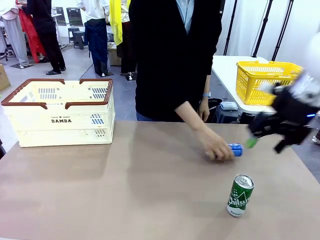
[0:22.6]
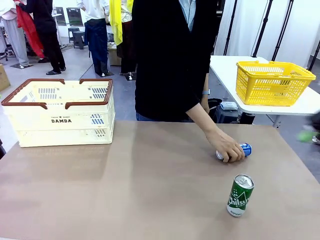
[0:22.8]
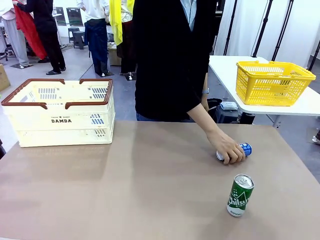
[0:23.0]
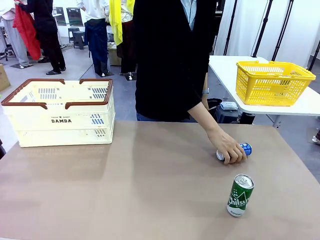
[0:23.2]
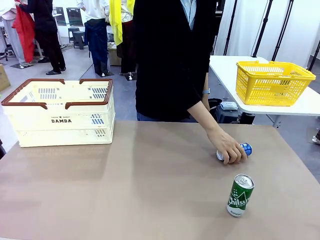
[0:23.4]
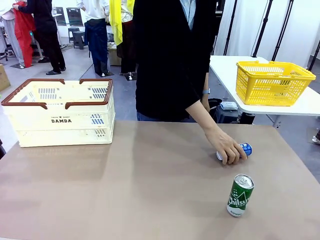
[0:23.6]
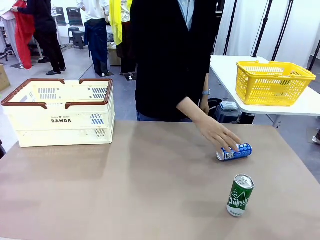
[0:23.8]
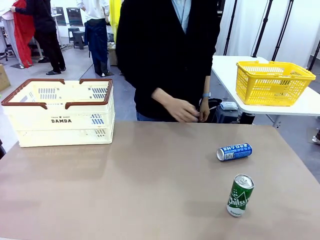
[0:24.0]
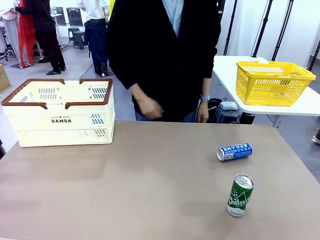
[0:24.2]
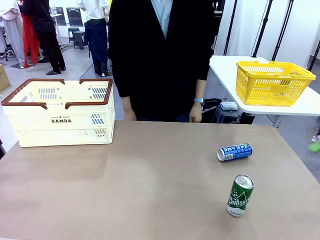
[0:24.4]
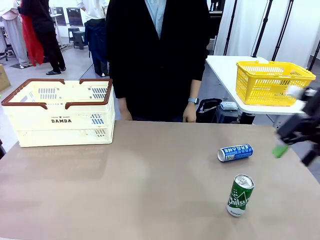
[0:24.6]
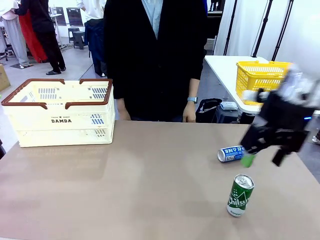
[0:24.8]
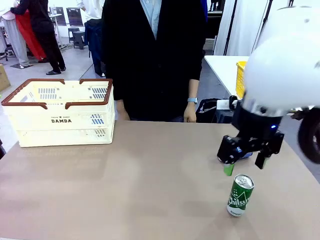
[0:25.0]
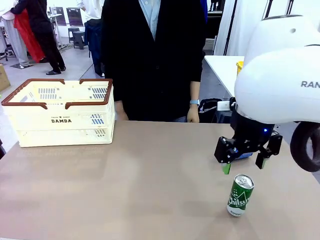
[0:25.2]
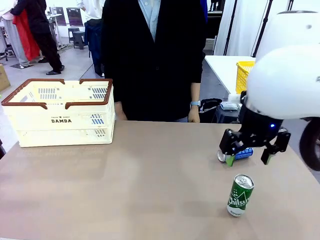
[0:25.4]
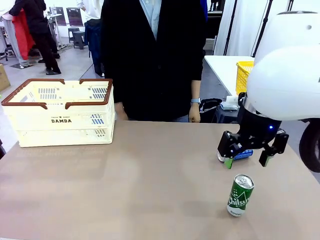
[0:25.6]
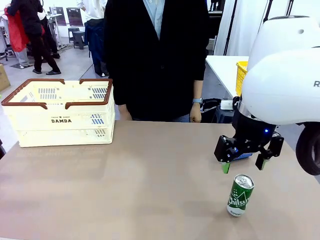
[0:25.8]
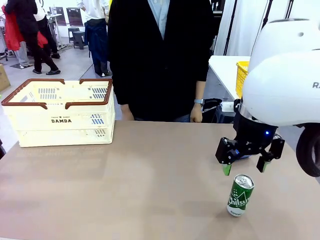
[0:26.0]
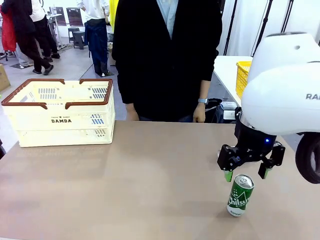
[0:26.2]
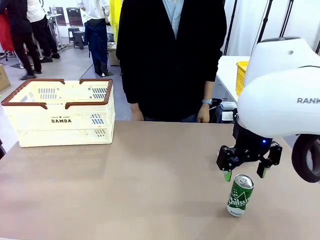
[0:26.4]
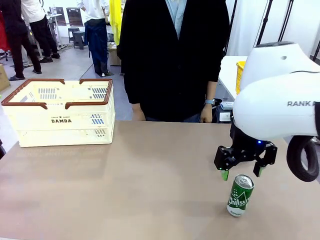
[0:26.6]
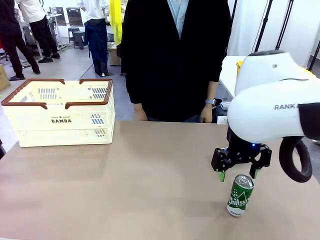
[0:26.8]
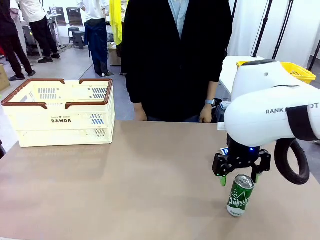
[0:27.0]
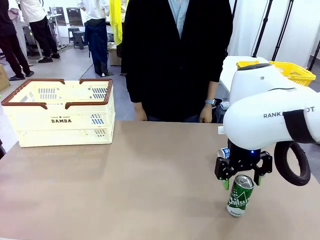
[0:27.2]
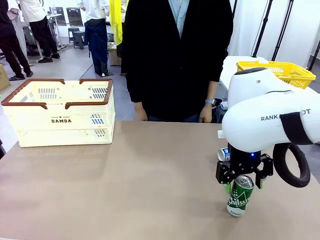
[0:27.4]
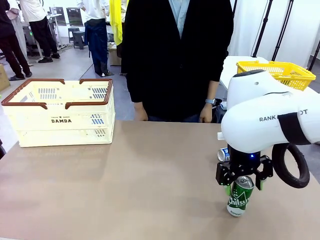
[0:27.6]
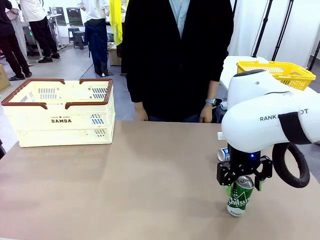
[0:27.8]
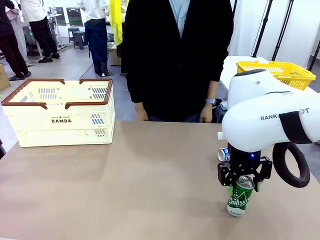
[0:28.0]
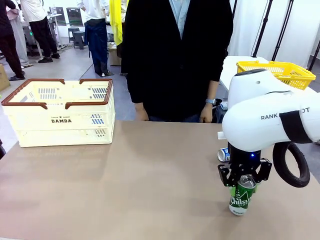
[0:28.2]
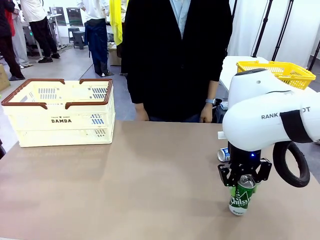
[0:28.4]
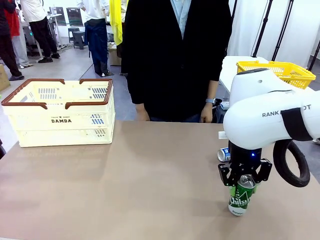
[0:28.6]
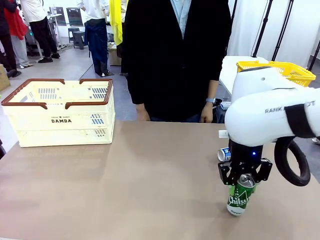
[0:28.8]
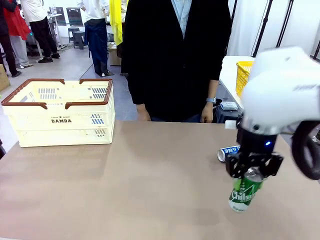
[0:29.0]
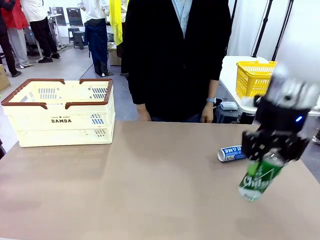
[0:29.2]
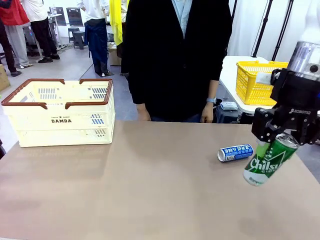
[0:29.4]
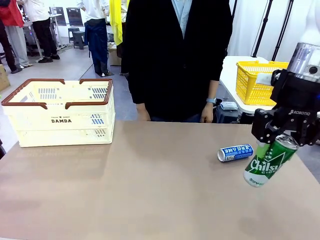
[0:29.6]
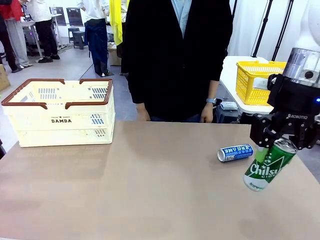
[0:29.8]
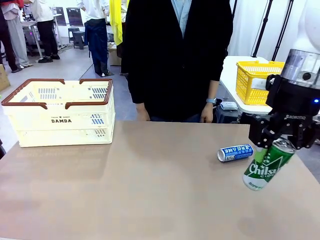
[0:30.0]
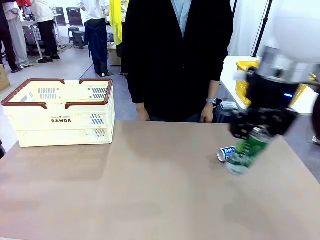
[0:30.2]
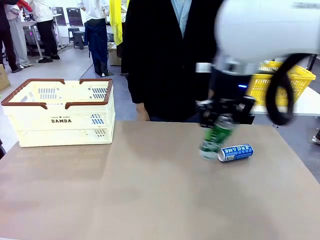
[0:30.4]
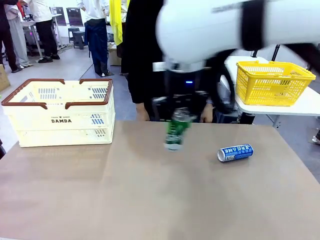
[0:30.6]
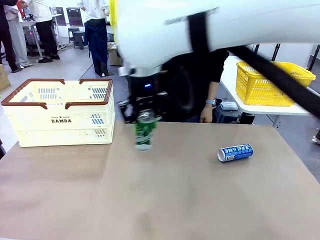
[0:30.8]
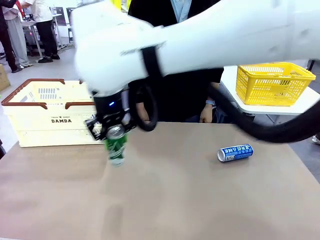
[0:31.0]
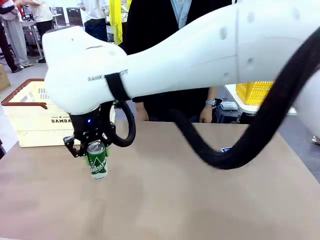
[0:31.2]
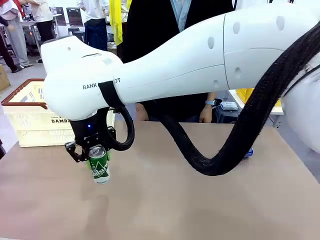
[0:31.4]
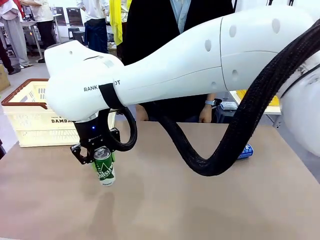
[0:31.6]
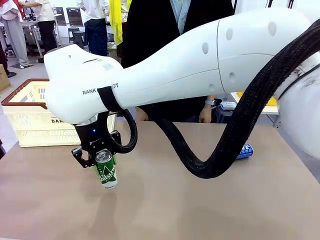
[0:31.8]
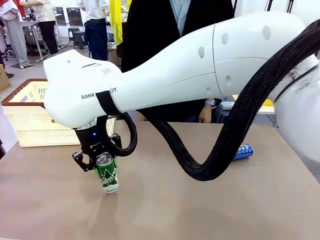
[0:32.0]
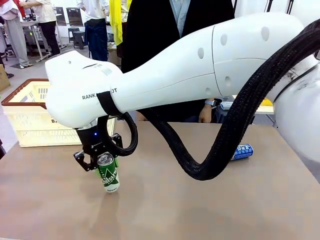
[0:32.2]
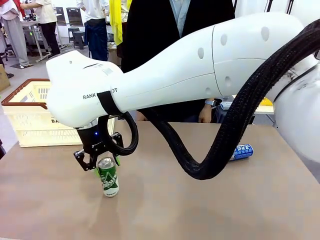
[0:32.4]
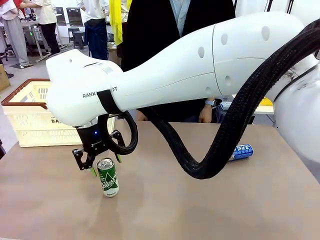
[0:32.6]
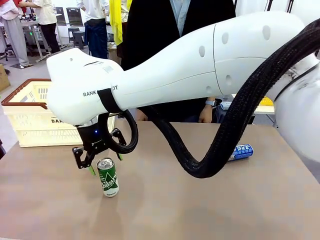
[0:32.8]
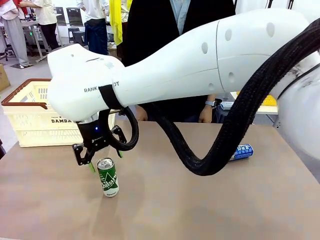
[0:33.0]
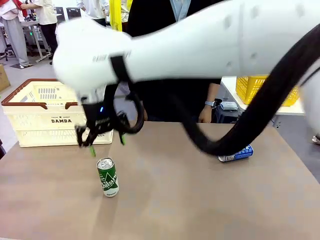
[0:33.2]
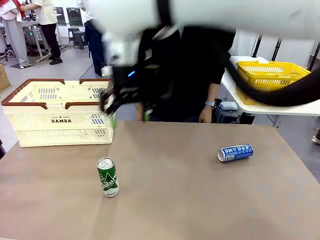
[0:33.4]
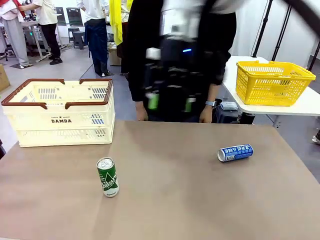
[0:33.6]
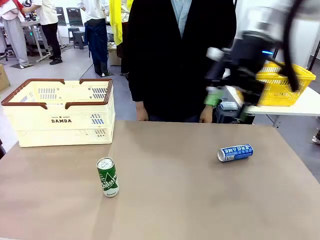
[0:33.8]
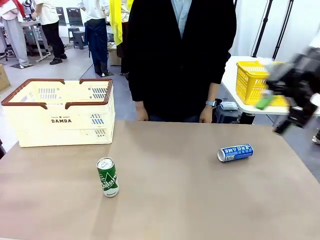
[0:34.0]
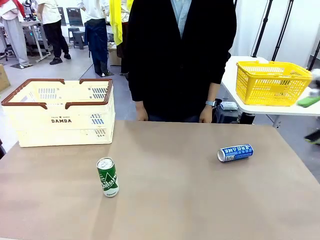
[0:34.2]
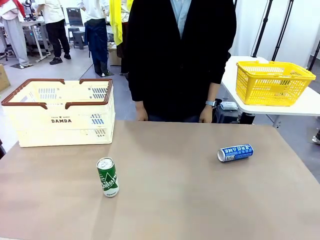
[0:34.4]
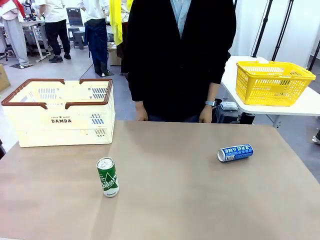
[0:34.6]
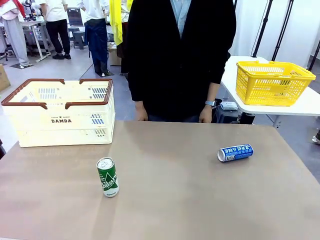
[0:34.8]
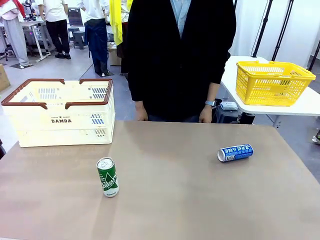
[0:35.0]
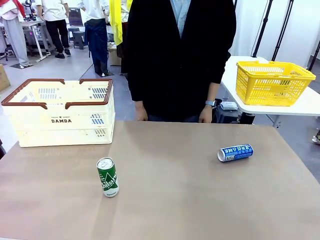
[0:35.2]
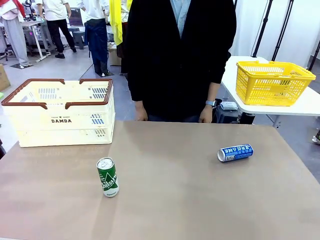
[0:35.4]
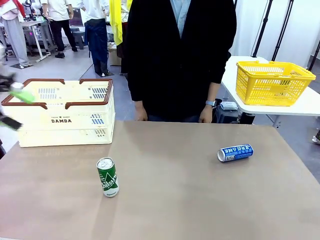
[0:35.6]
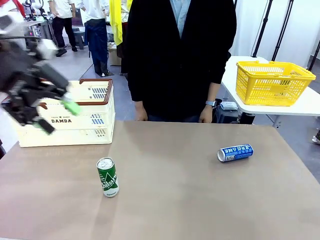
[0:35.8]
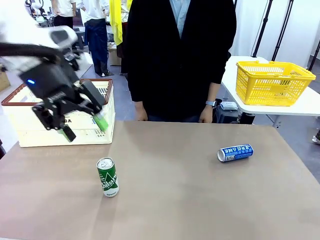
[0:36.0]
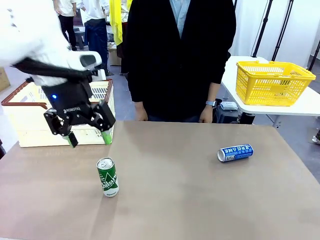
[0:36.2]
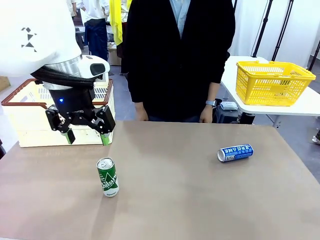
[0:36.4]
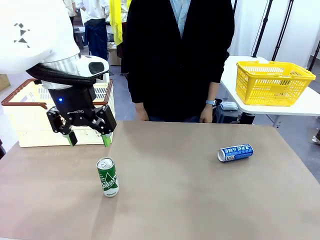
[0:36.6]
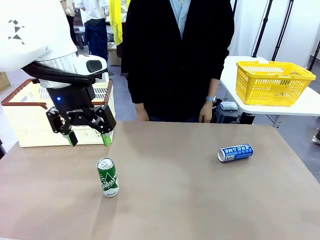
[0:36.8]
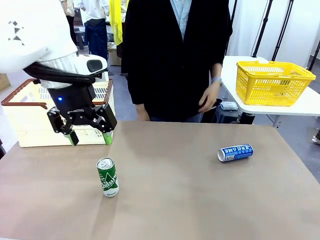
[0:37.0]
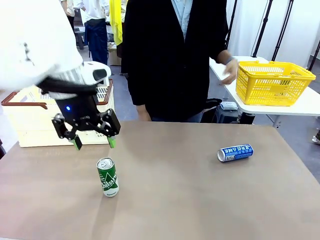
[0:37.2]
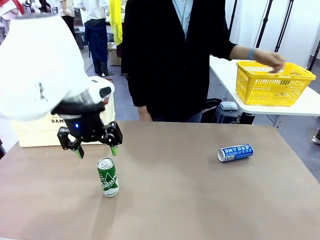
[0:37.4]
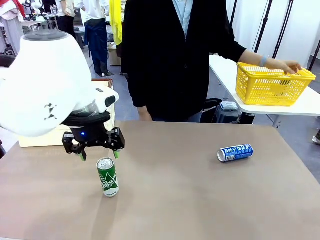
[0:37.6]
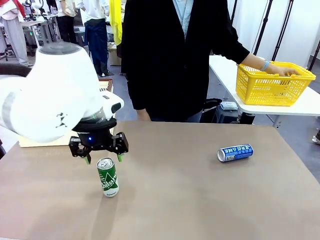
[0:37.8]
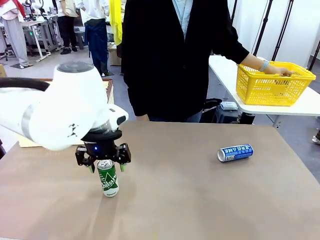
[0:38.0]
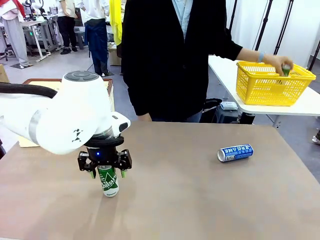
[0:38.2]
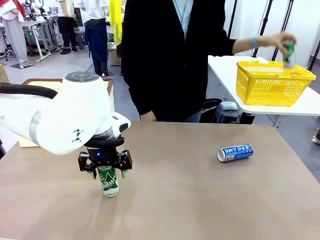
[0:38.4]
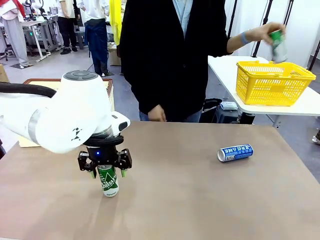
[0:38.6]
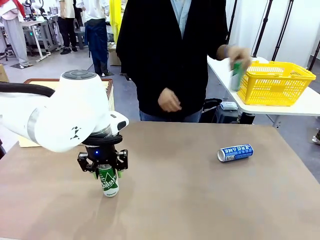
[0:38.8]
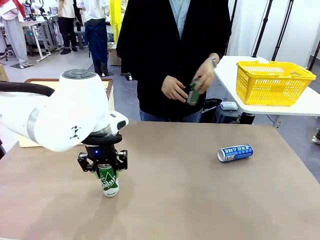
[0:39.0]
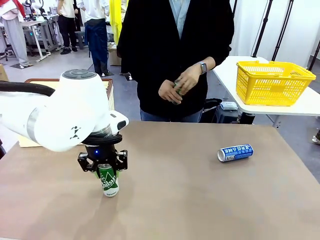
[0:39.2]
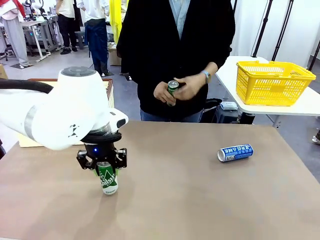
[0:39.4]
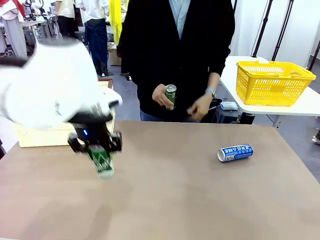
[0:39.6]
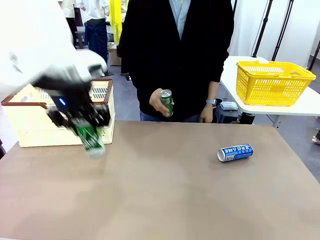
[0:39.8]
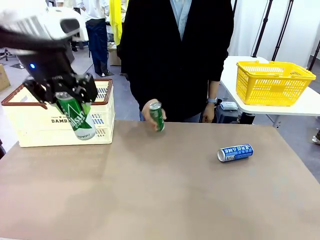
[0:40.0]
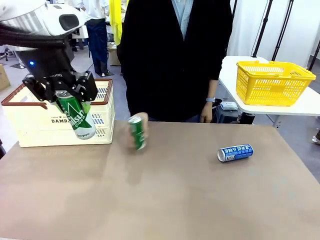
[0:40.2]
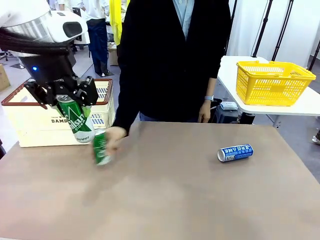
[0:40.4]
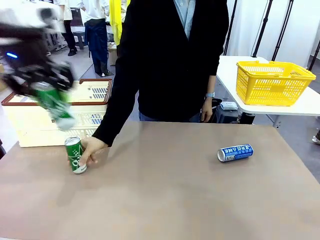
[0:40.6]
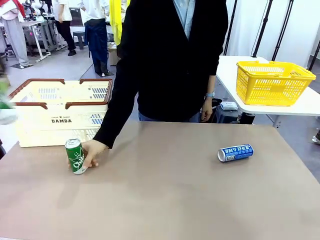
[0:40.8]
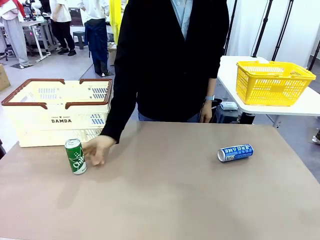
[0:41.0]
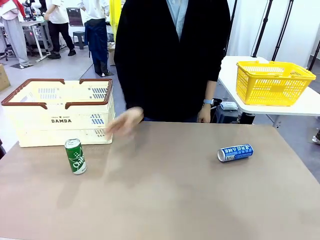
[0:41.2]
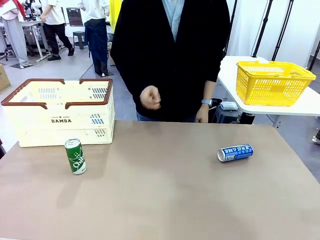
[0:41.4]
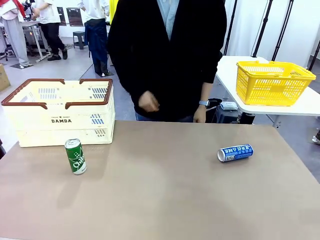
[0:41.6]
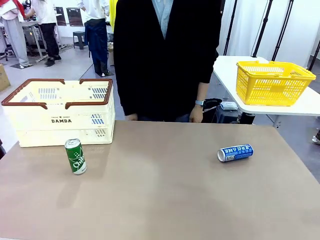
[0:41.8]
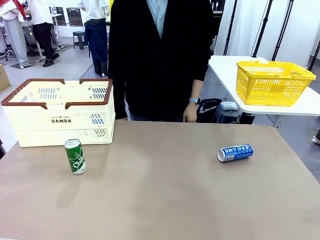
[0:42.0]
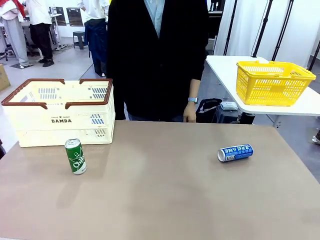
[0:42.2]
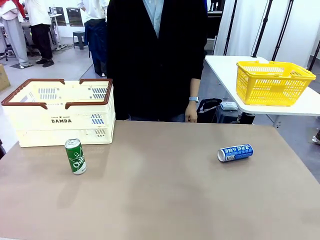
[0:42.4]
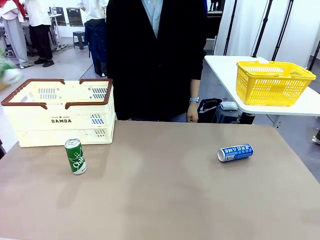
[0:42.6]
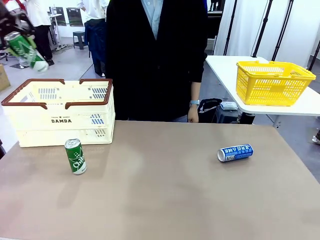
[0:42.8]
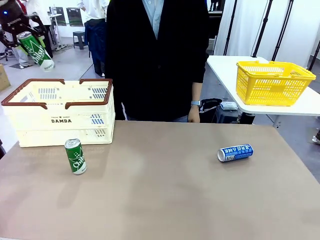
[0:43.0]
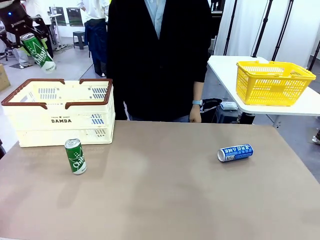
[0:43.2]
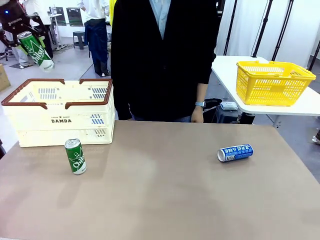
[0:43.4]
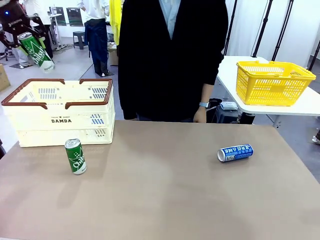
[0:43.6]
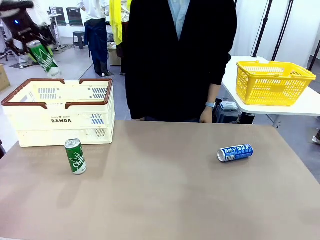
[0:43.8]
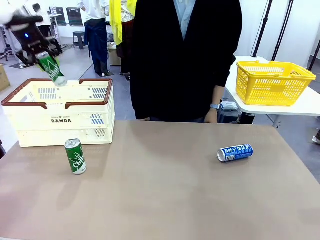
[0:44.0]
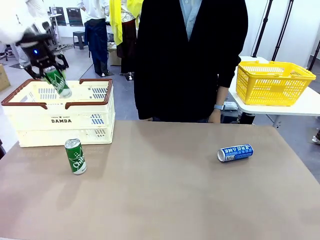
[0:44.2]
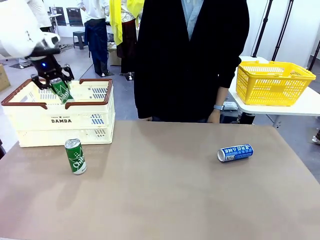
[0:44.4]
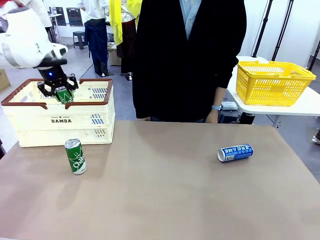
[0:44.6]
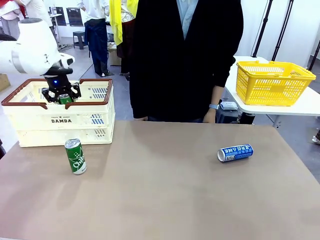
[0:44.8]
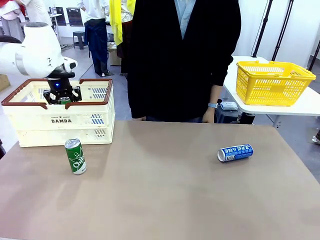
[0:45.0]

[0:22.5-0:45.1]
Task: Place the drinks into the Shopping basket.
Robot: Pick up one drink and place it into the Shopping basket.
